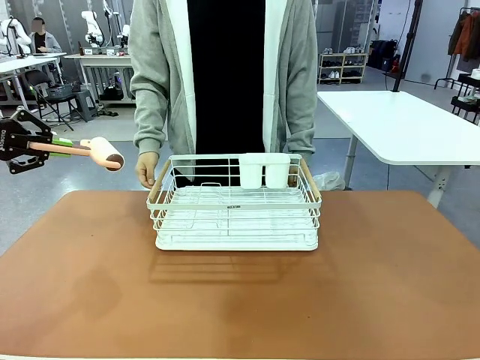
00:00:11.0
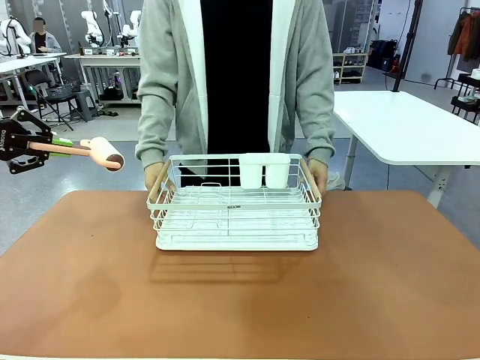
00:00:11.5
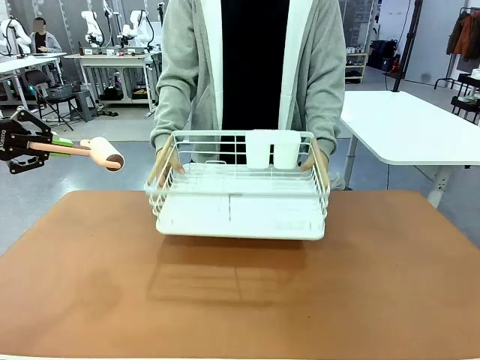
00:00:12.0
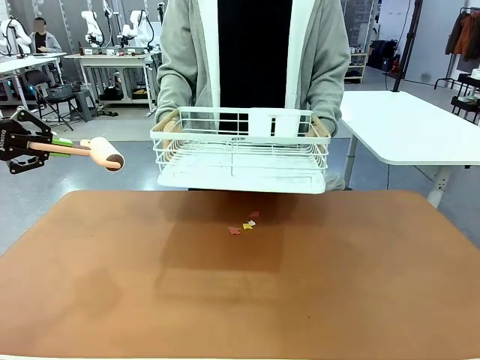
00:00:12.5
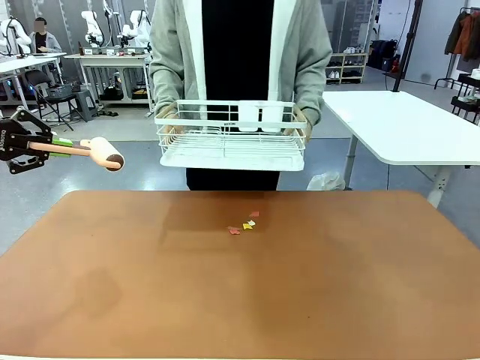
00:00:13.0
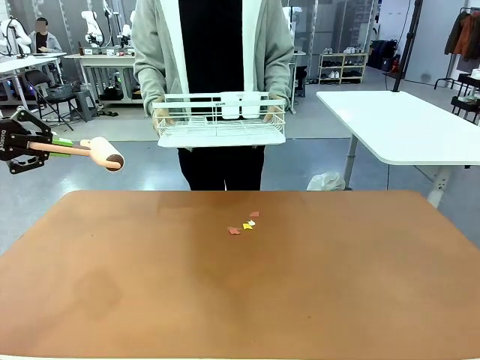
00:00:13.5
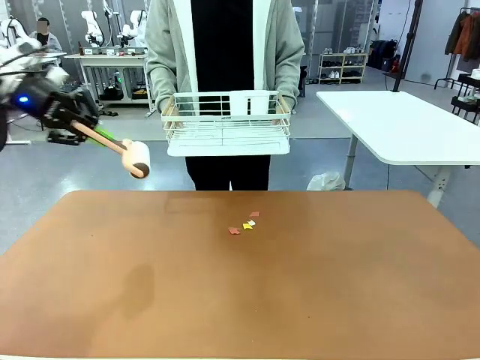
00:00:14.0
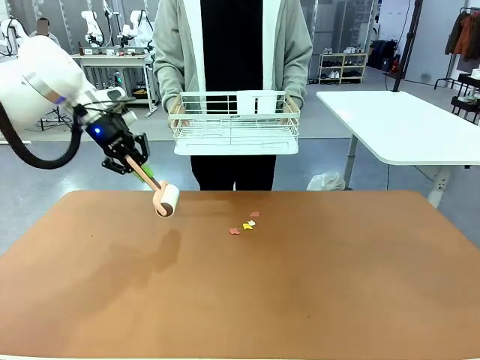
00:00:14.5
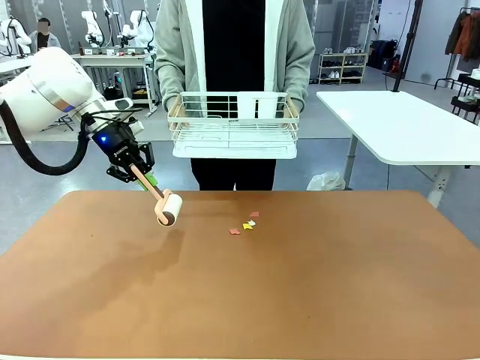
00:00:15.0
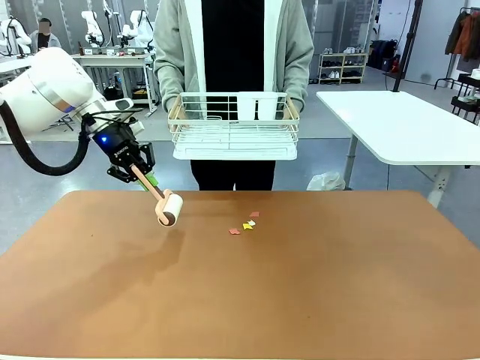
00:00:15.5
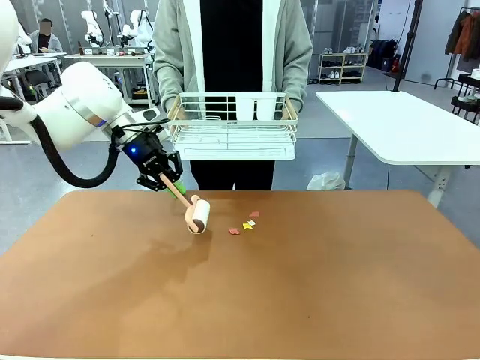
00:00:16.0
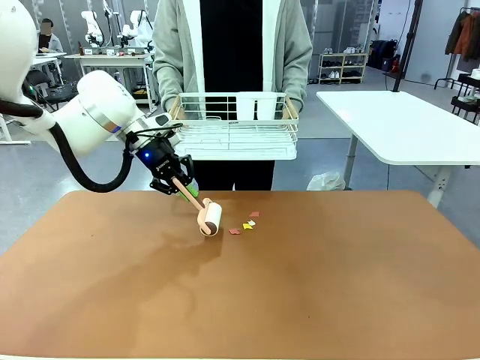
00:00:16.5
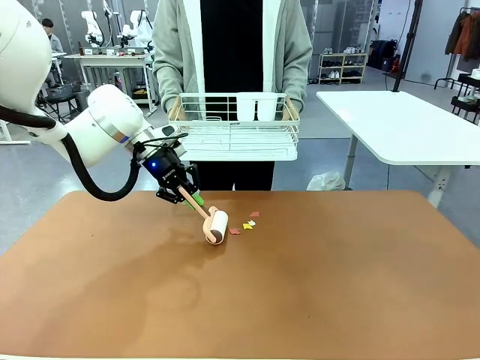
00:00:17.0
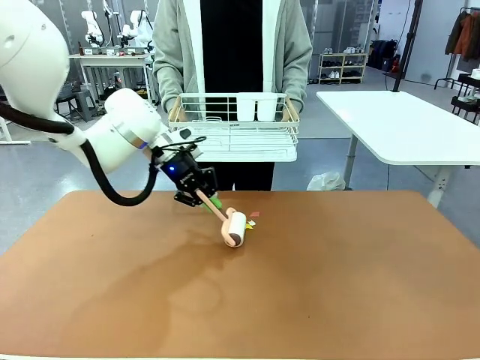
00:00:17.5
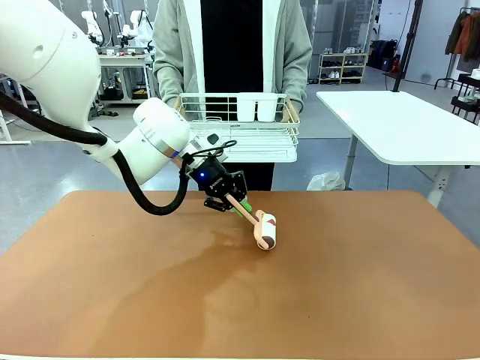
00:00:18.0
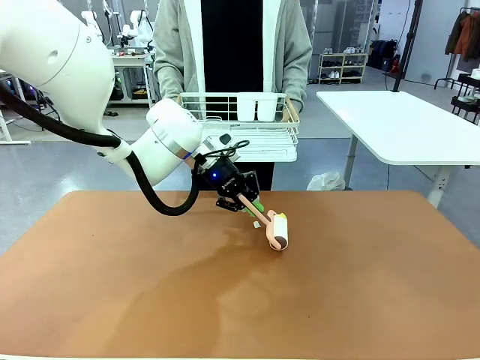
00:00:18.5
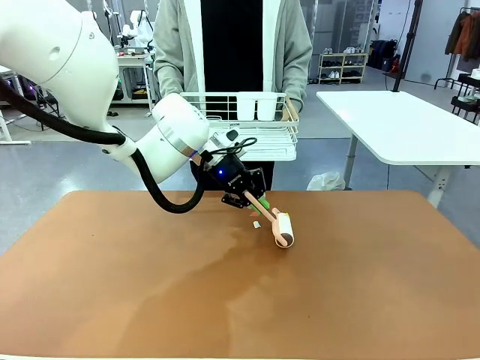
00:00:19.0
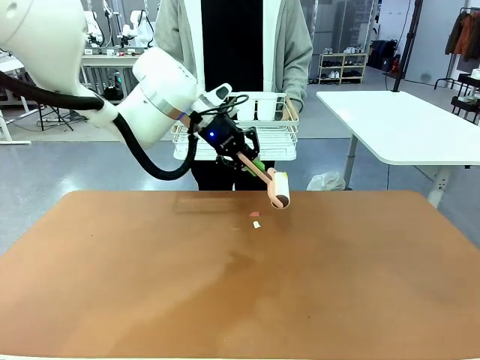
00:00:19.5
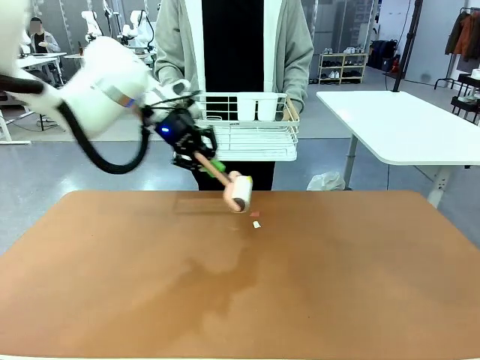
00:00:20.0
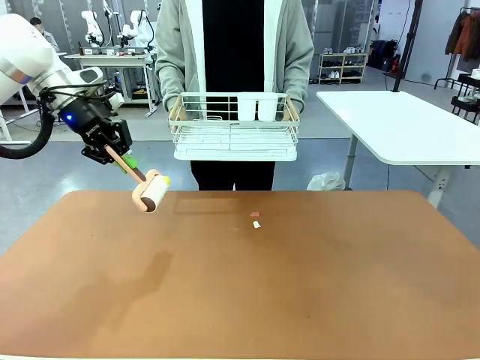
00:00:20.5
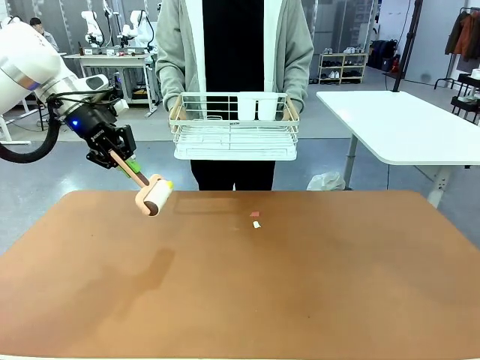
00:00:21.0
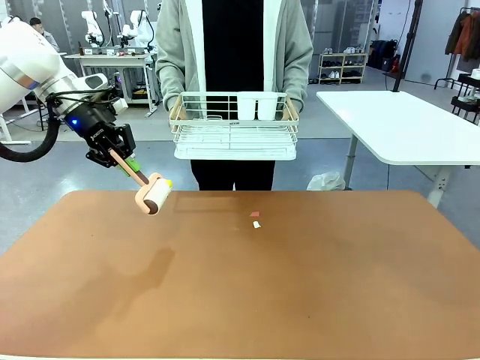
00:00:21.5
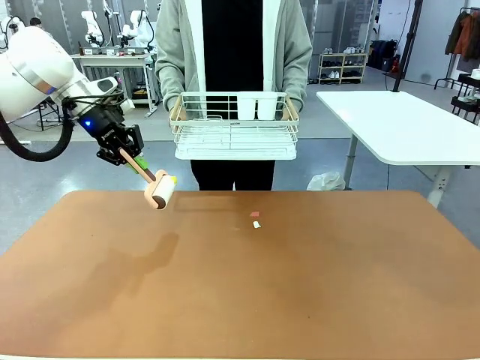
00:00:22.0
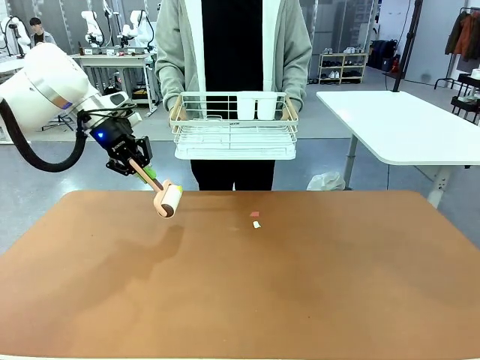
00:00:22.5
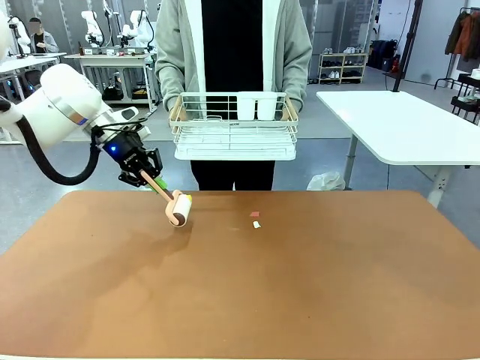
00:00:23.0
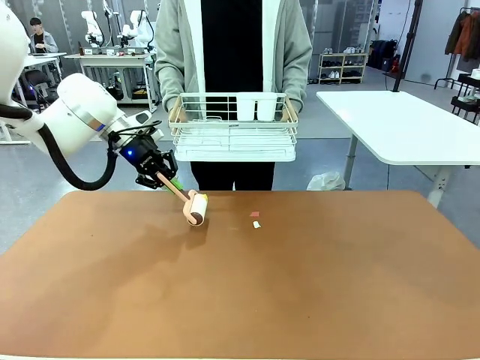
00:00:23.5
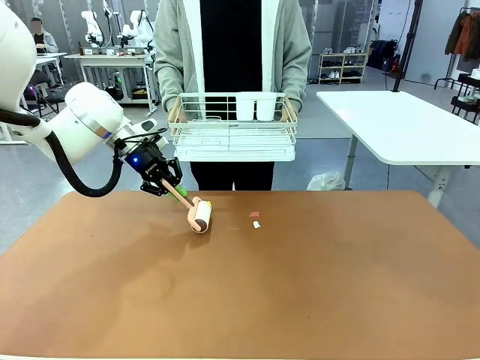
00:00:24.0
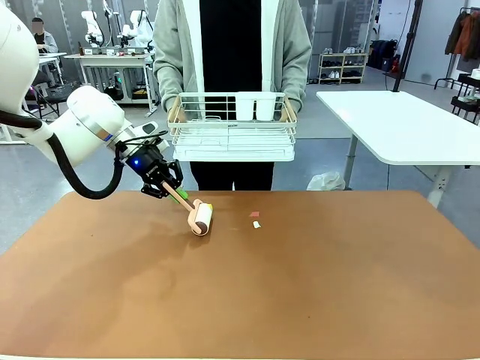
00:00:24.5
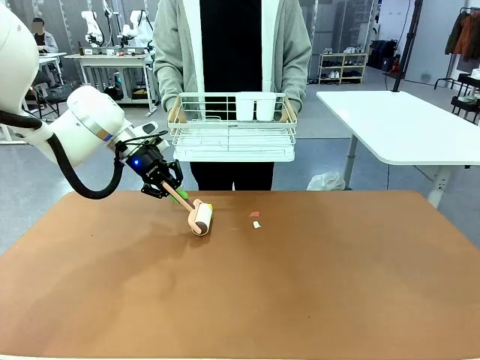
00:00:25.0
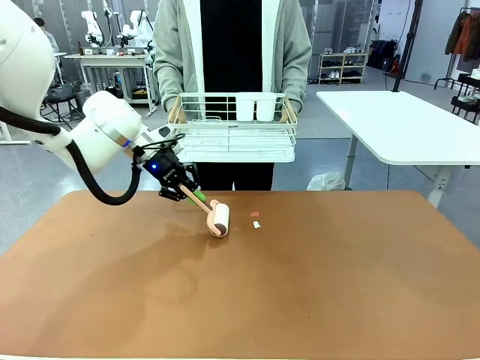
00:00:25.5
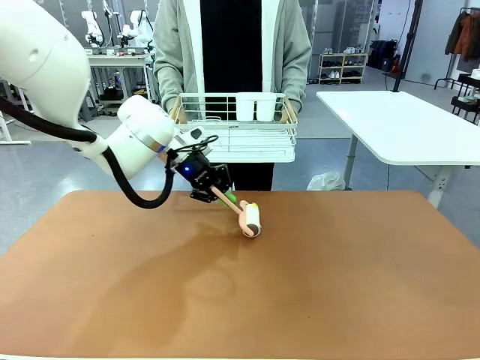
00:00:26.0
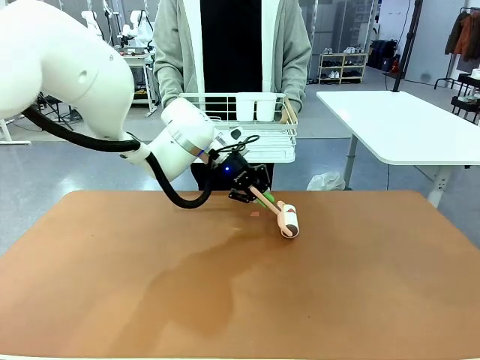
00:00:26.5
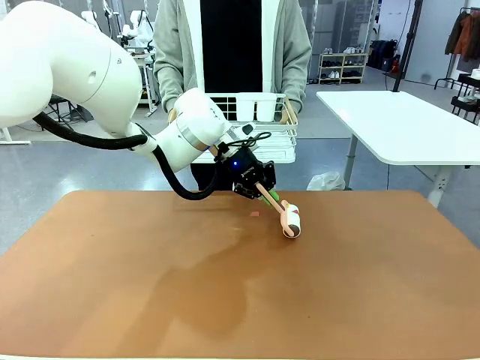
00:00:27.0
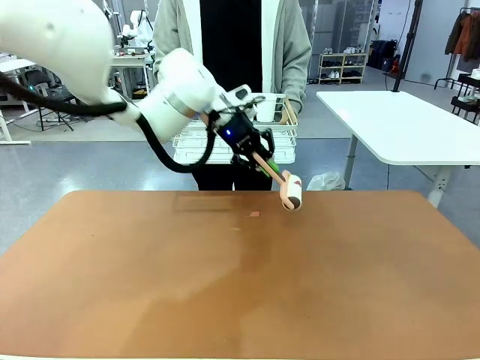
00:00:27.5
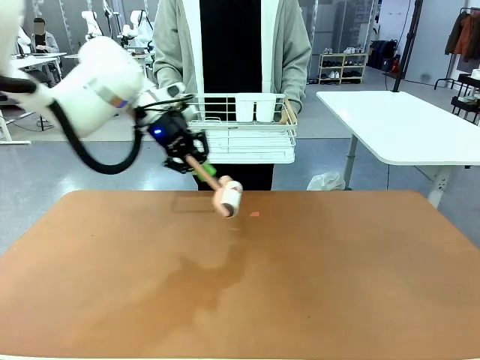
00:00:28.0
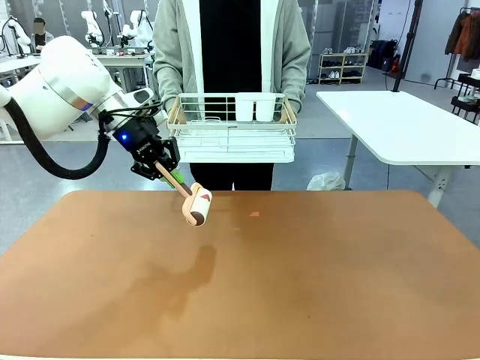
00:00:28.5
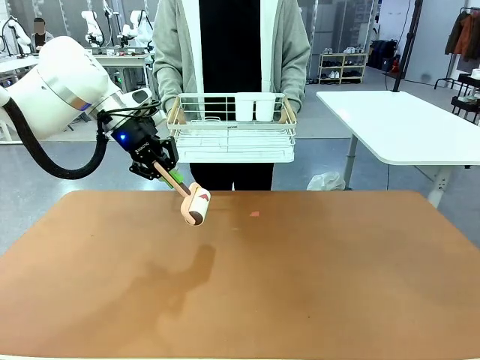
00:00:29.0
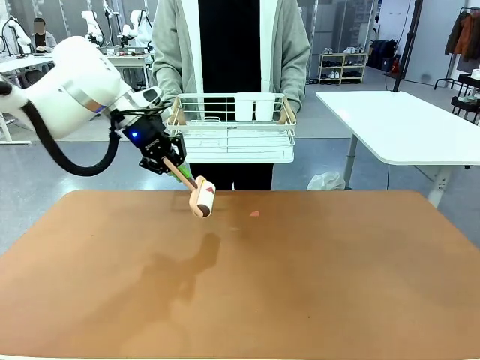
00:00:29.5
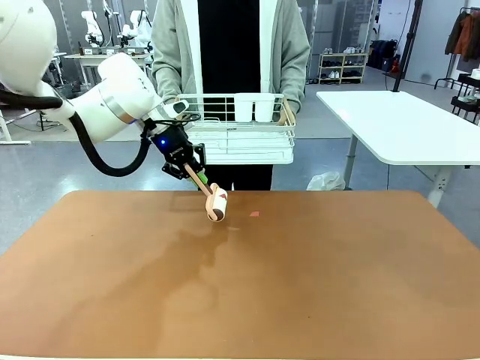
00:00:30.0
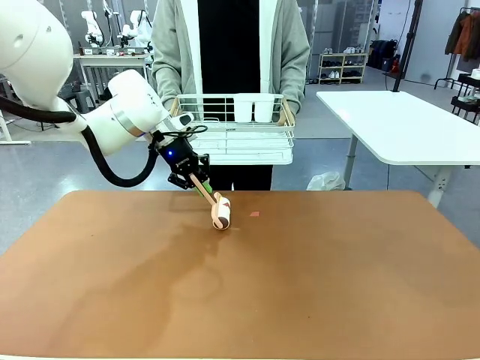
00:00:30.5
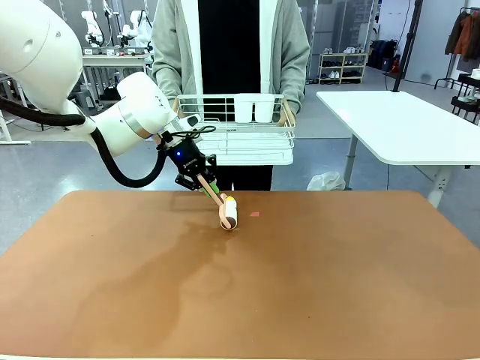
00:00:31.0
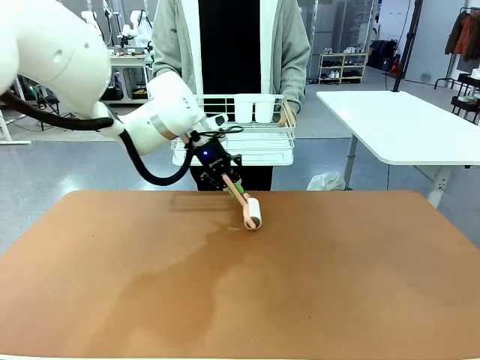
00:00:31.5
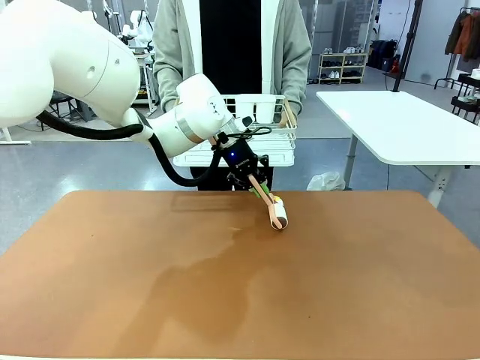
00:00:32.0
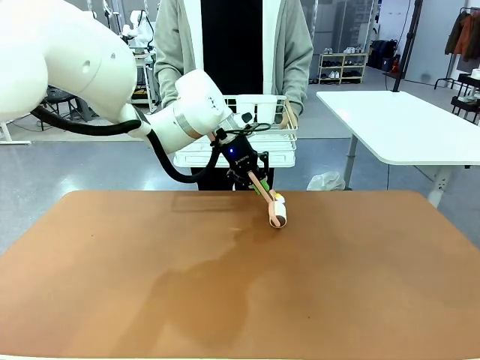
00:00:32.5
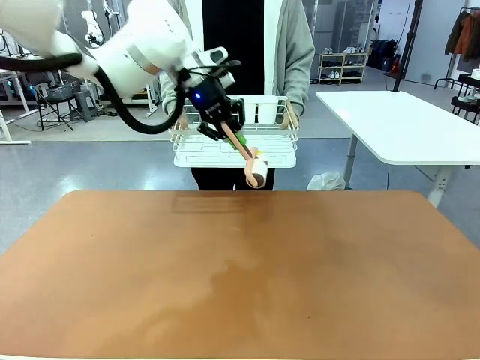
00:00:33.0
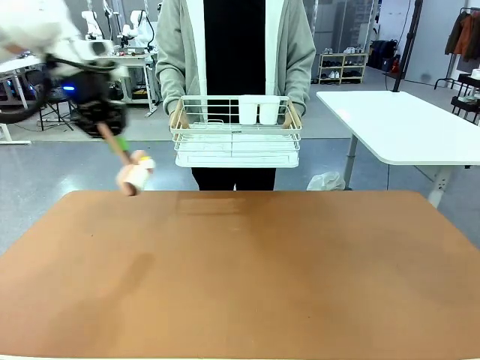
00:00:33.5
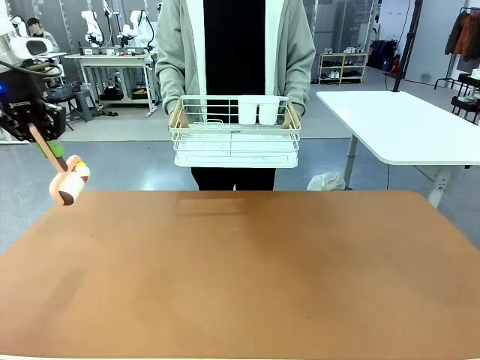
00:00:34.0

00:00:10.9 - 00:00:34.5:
Task: Clean the table.
Robot: Clean the table with the Lint Roller when the human lifts the Dish drying rack.
Person: Place the Dish drying rack down when the robot finishes cleaning.
